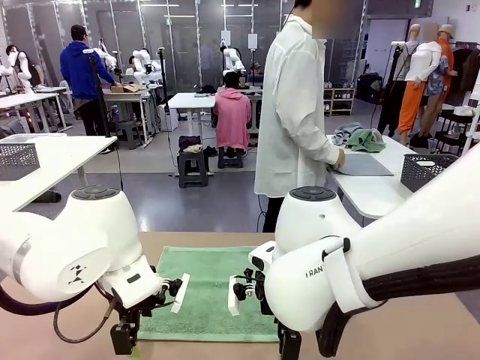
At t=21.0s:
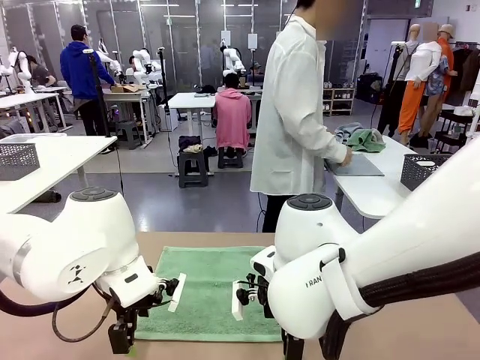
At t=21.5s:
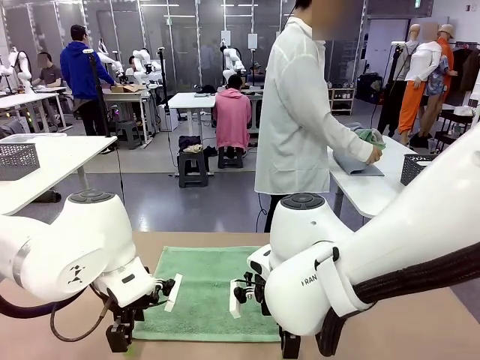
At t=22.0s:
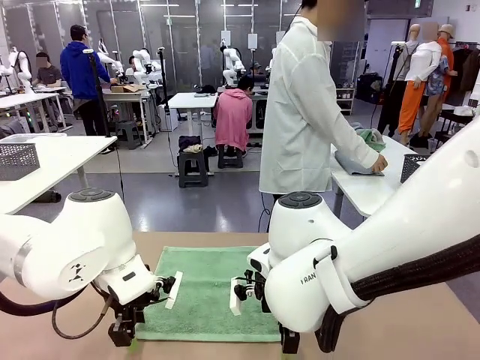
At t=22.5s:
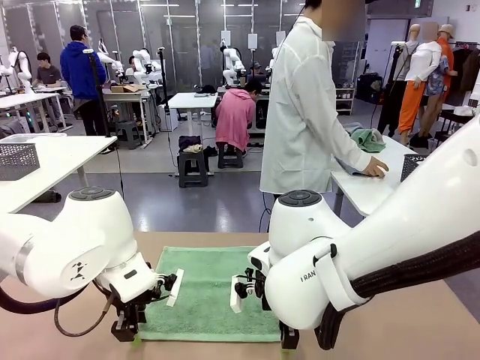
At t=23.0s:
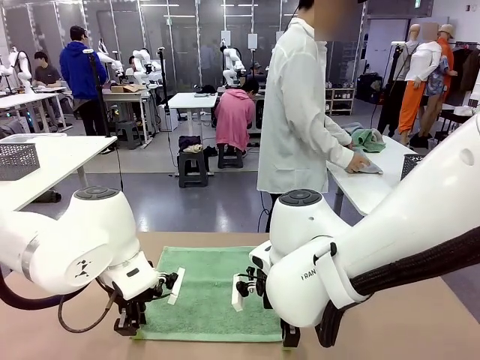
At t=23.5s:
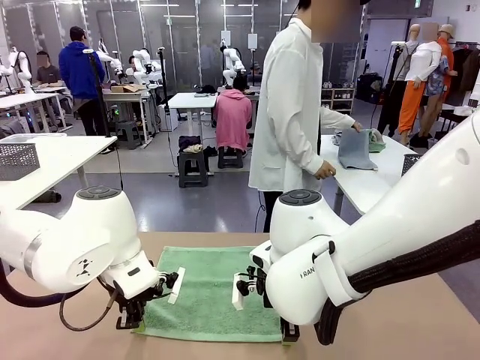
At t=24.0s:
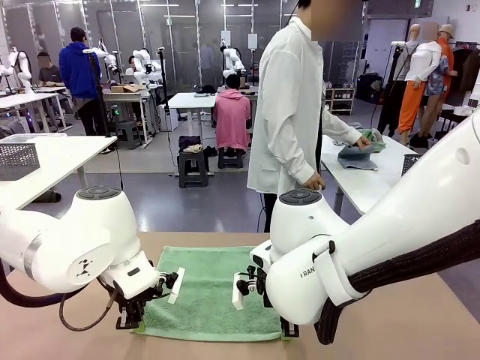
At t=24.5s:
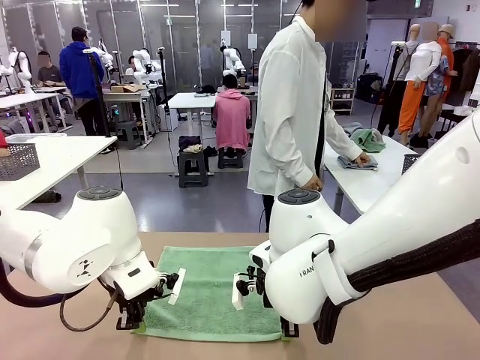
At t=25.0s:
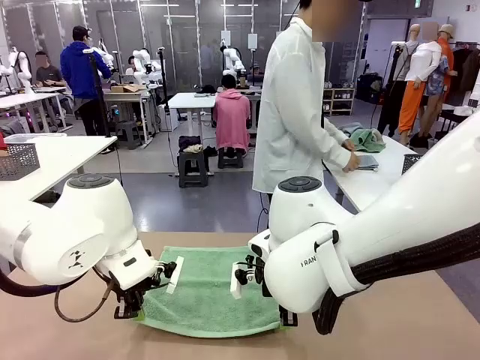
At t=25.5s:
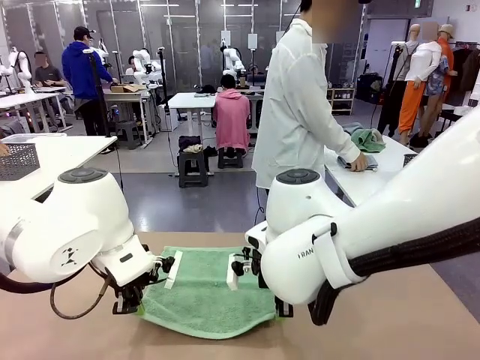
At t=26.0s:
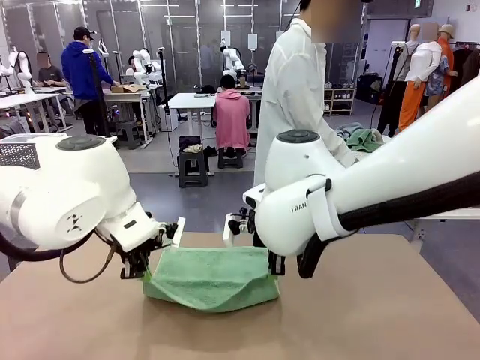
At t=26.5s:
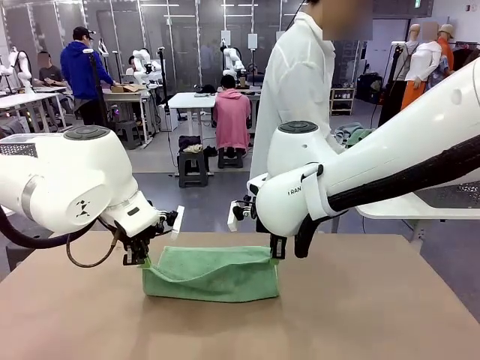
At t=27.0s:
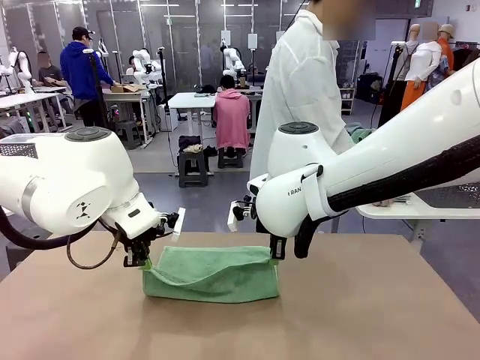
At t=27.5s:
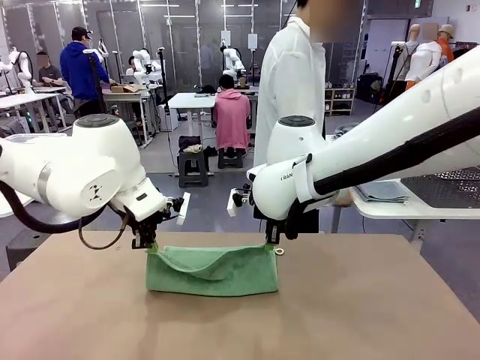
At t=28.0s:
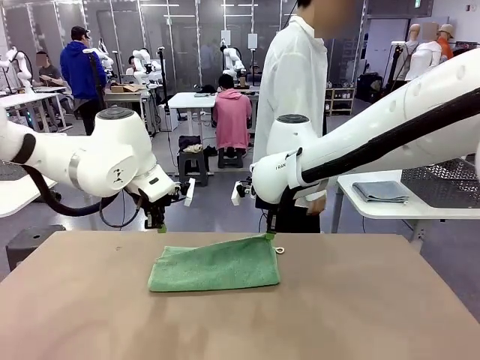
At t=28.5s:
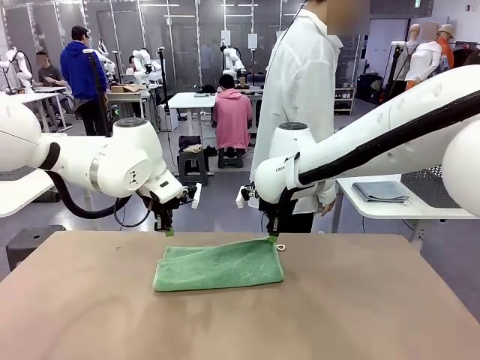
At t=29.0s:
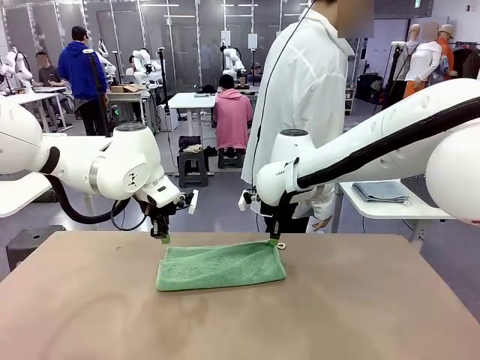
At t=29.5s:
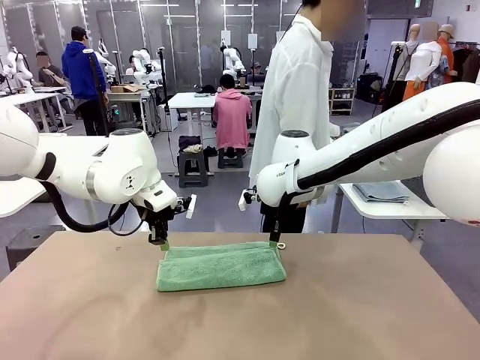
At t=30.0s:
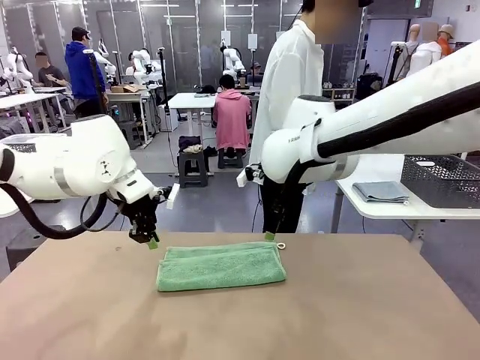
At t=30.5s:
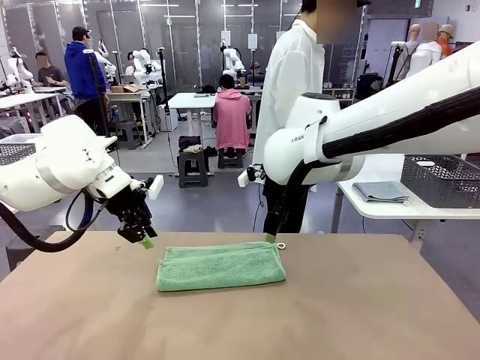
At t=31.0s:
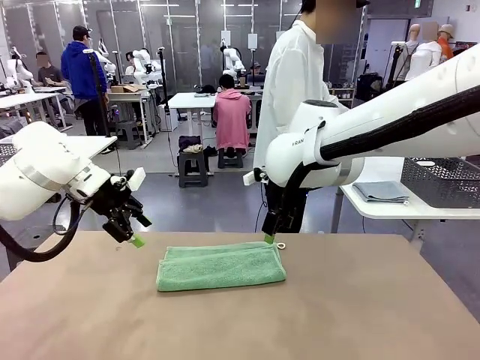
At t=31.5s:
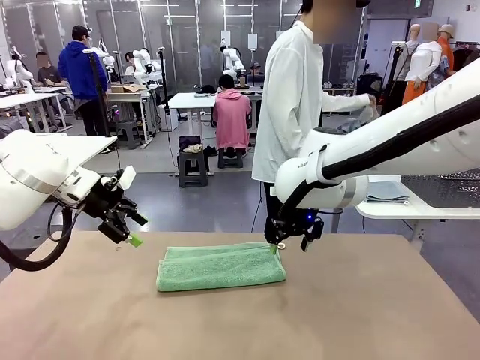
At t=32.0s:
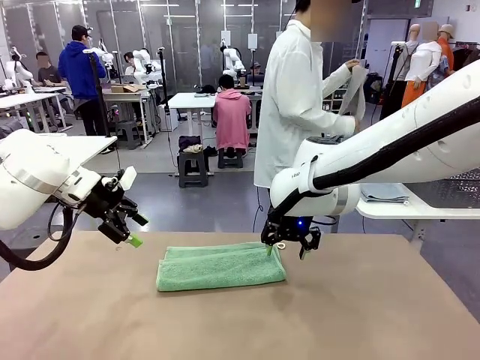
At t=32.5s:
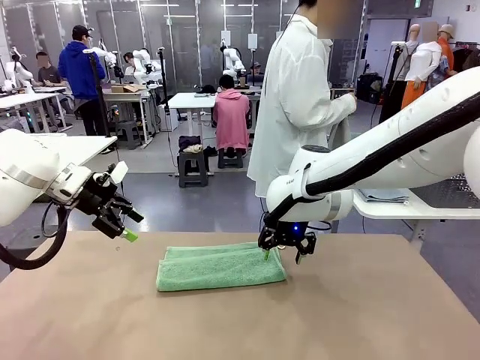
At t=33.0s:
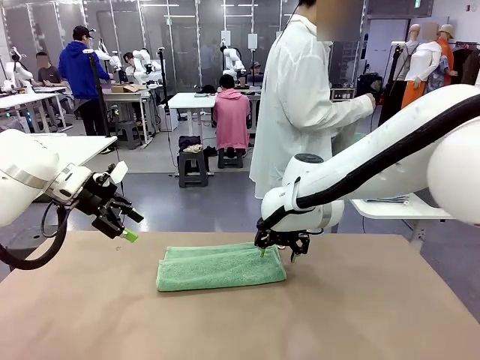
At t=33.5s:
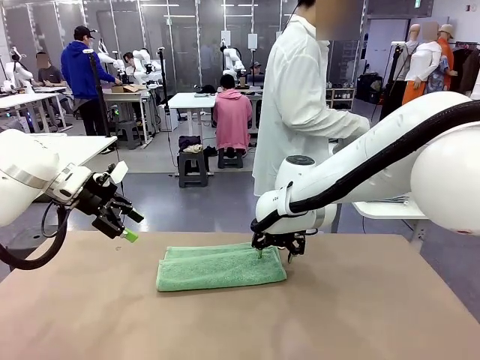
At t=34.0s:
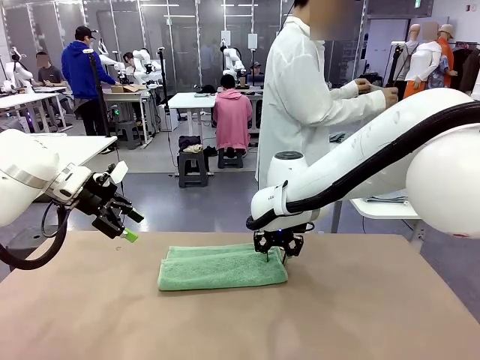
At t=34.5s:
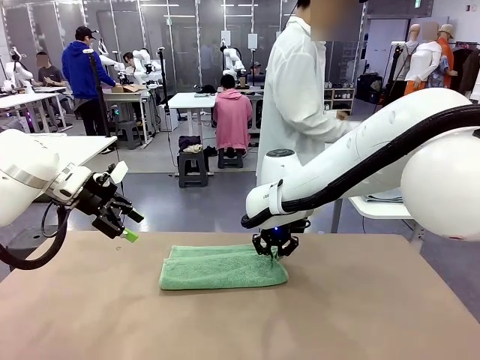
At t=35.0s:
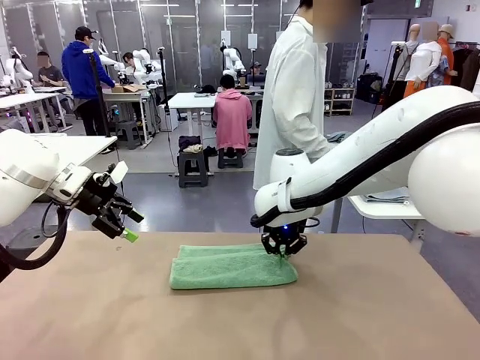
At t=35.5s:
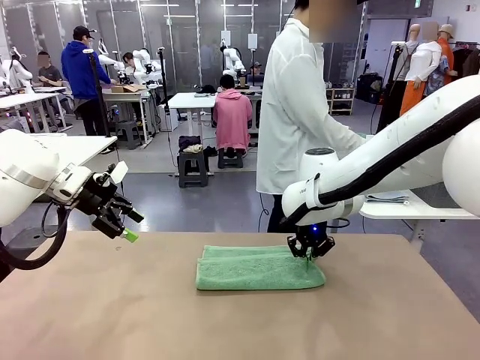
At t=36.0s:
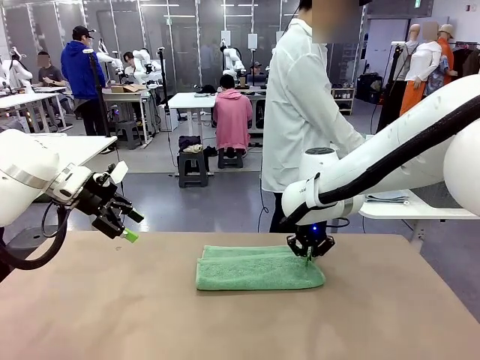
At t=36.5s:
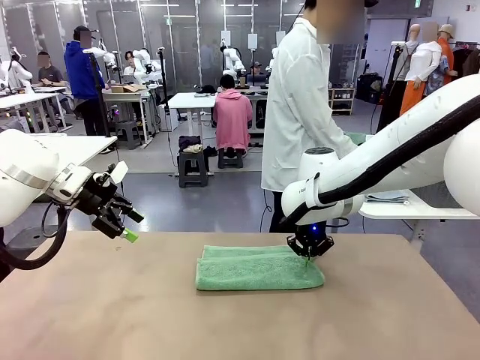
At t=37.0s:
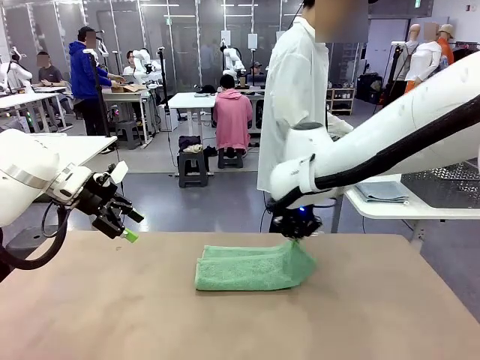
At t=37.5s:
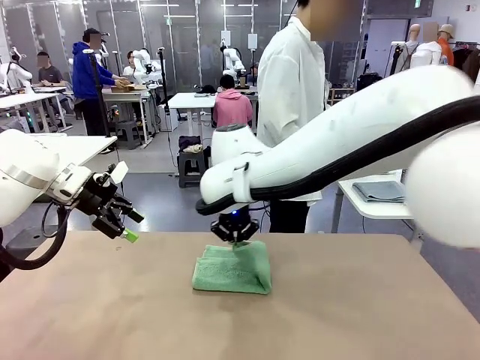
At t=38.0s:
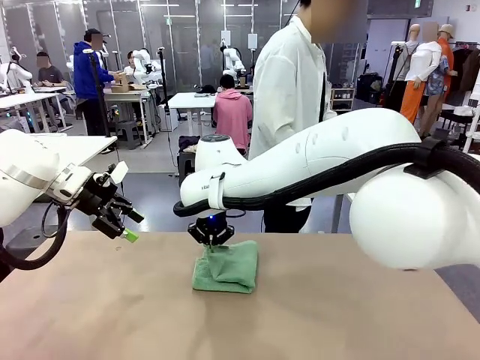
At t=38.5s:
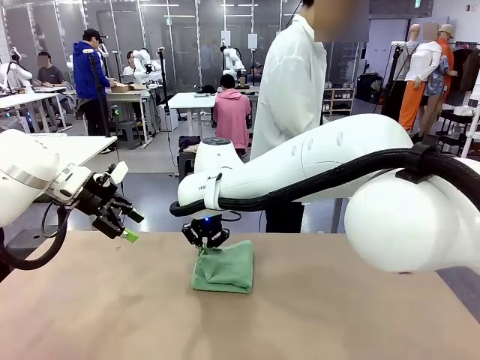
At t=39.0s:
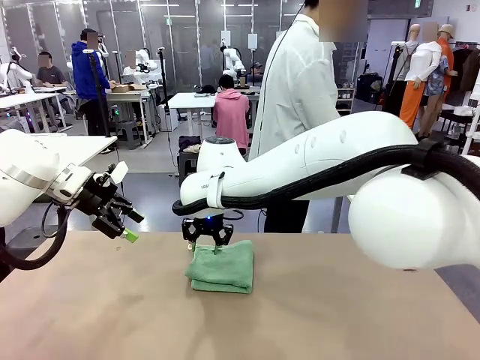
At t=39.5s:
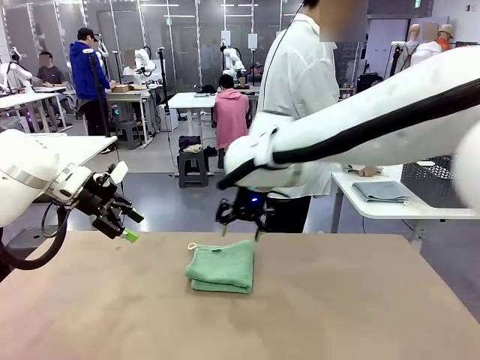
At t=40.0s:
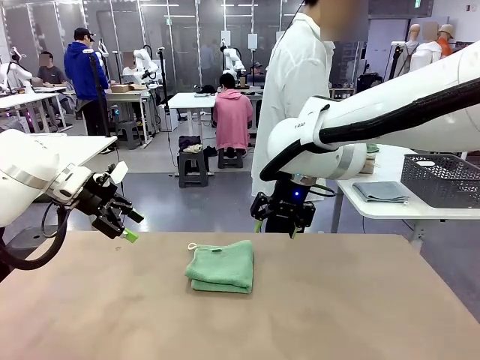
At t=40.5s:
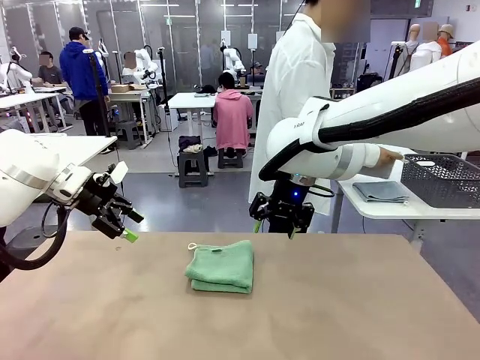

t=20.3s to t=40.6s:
Task: Fold the towels and place them in the basket.
Robot: When a person lays out a Towel with hook on the table, fold it in half twice.
Person: Pick up one towel from the left side of the human table, fold it in half twice, and place it on the right side of the table. Pick up one towel from the left side of the human table, fold it in half twice, and stack it on the right side of the table.

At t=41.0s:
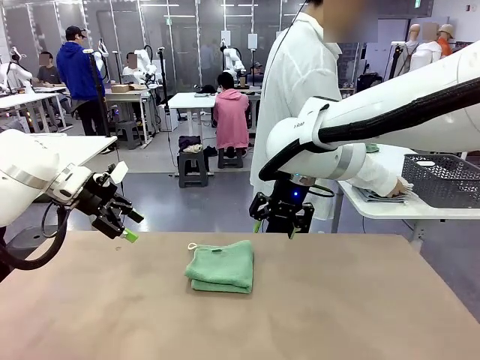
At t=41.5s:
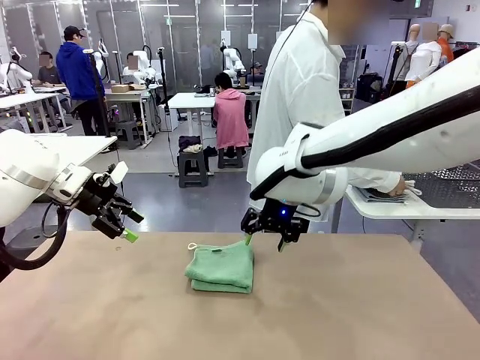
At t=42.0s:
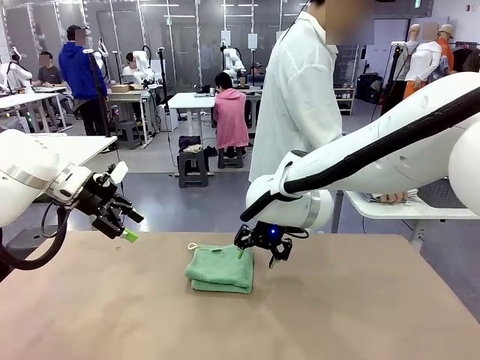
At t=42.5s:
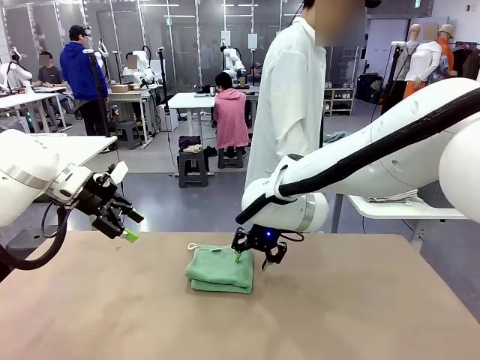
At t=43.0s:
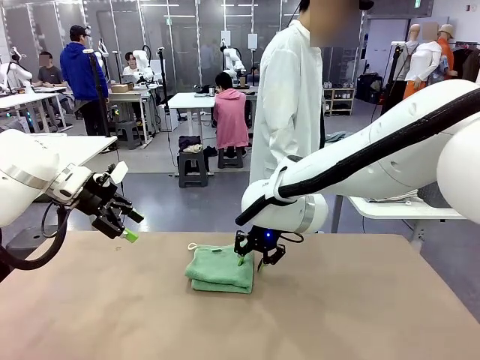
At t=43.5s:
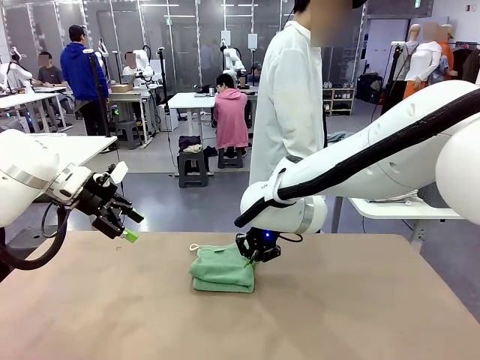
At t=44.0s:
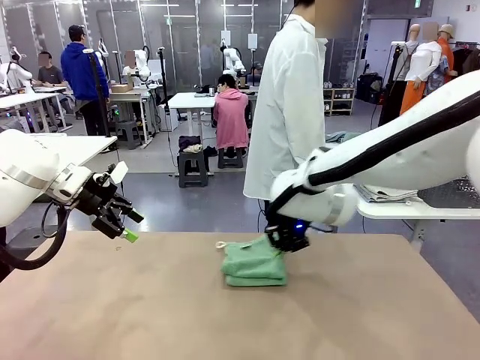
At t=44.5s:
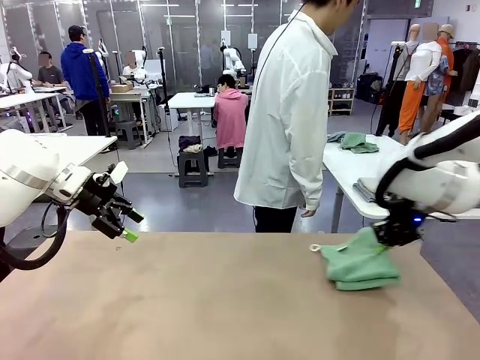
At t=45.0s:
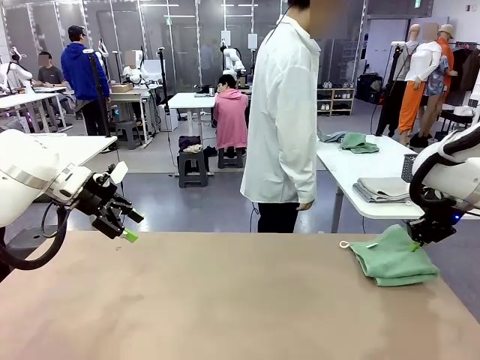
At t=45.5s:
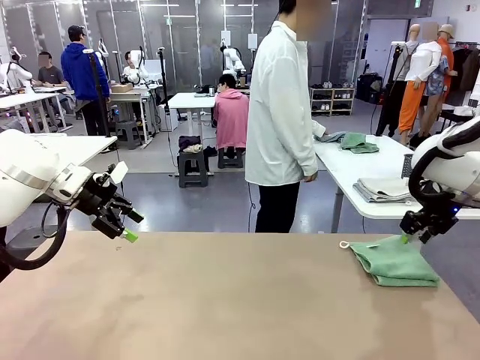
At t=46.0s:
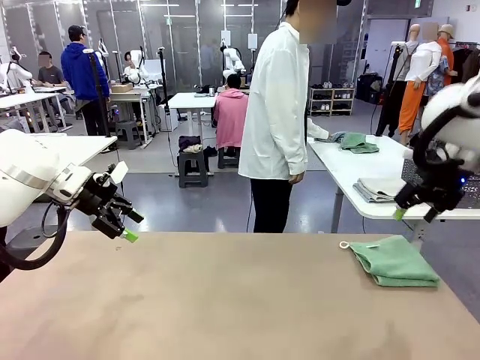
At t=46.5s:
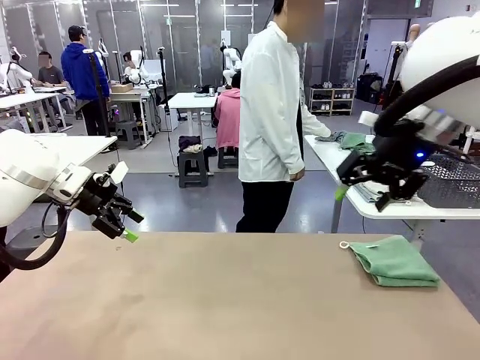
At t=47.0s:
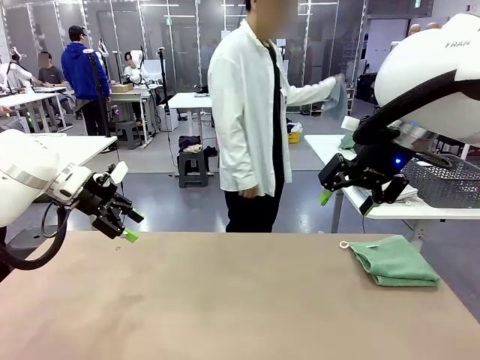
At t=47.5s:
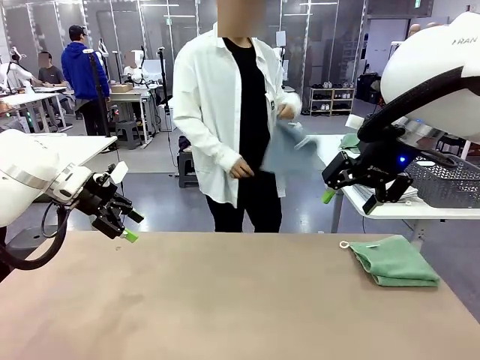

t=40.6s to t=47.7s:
Robot: Place the folded Towel with hook on the right side of the table.
Person: Pick up one towel from the left side of the human table and spread it out at the center of the robot table.
